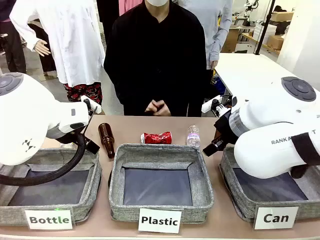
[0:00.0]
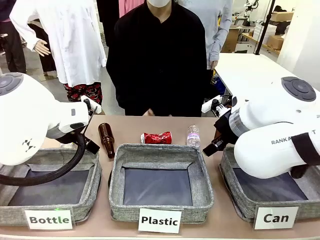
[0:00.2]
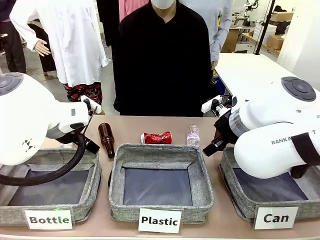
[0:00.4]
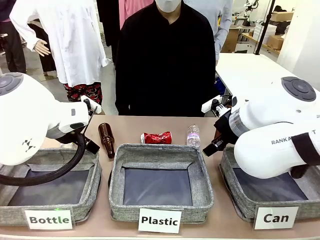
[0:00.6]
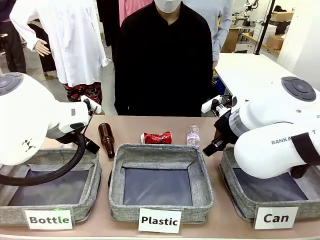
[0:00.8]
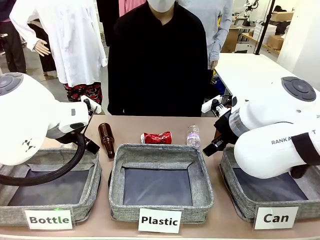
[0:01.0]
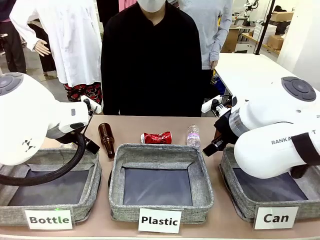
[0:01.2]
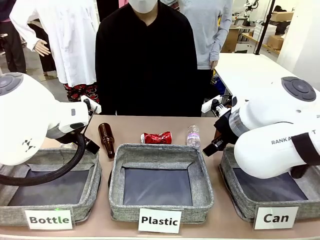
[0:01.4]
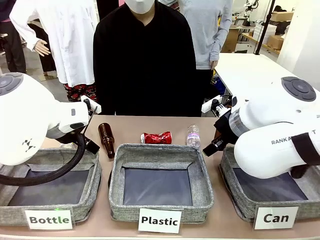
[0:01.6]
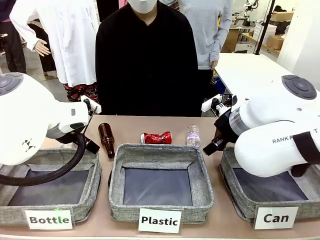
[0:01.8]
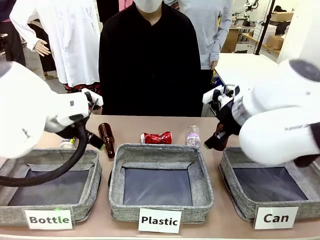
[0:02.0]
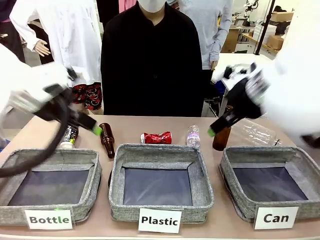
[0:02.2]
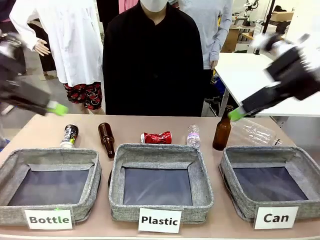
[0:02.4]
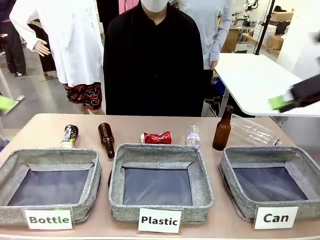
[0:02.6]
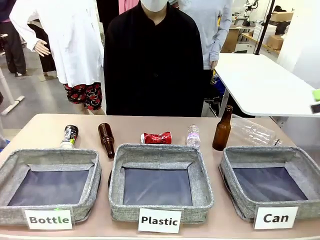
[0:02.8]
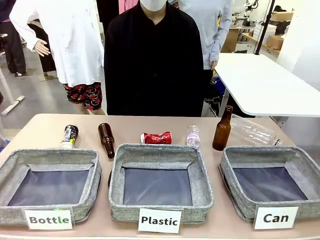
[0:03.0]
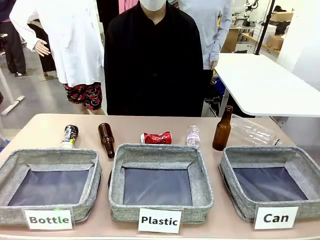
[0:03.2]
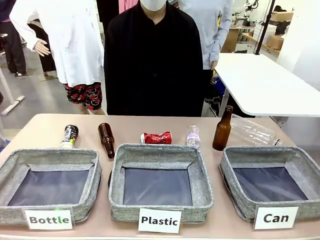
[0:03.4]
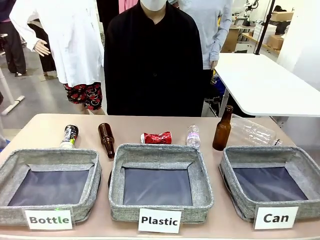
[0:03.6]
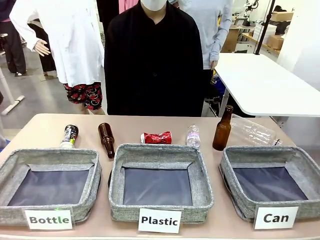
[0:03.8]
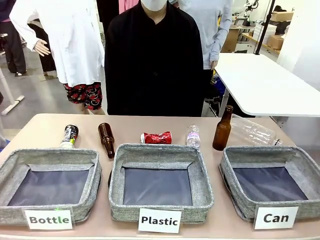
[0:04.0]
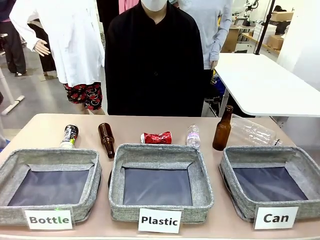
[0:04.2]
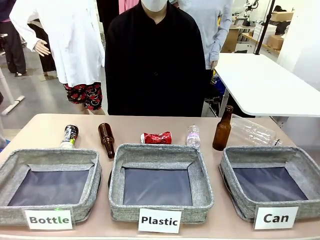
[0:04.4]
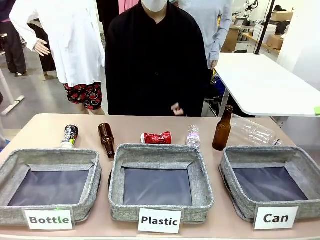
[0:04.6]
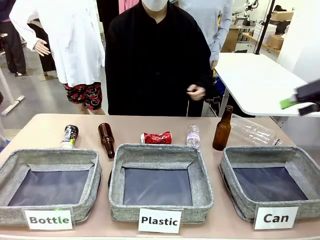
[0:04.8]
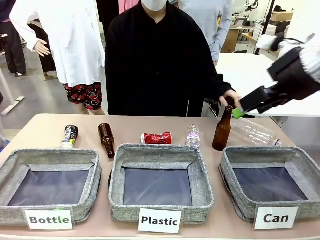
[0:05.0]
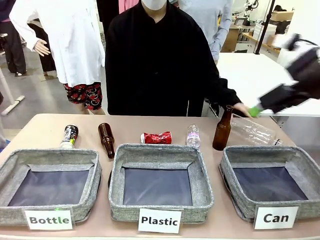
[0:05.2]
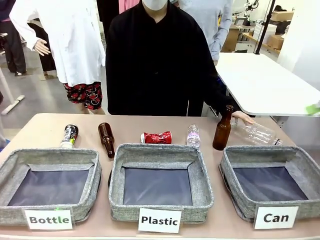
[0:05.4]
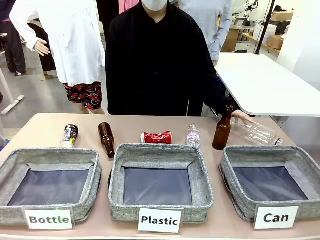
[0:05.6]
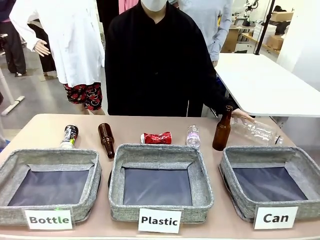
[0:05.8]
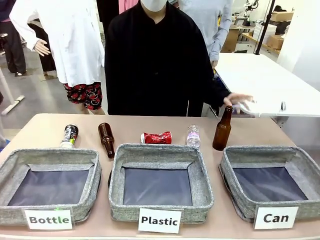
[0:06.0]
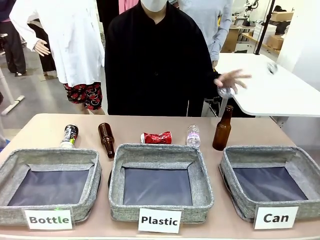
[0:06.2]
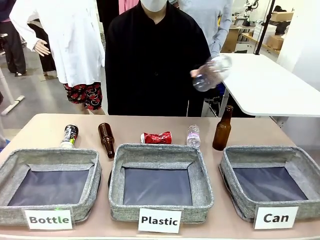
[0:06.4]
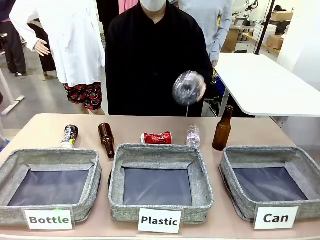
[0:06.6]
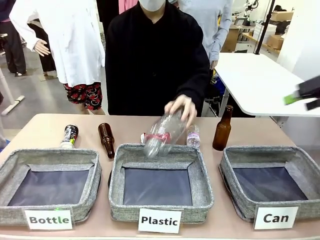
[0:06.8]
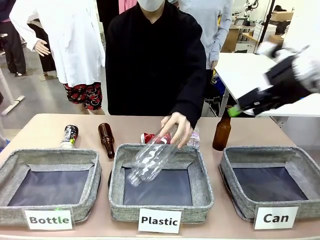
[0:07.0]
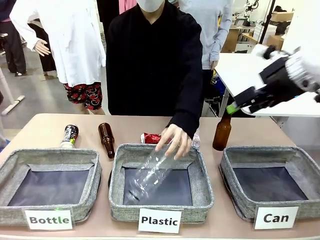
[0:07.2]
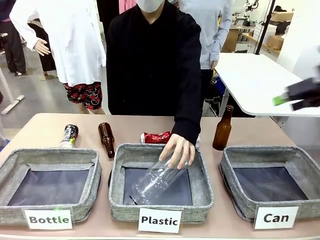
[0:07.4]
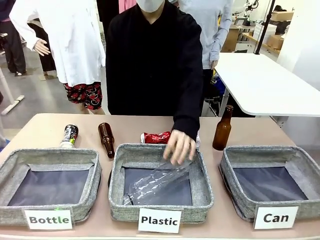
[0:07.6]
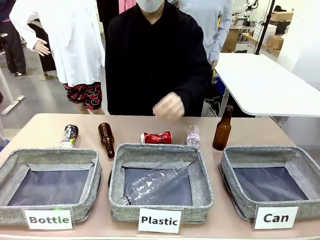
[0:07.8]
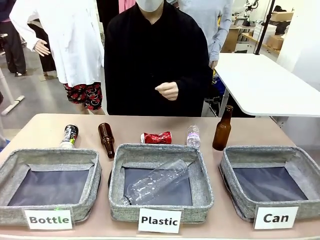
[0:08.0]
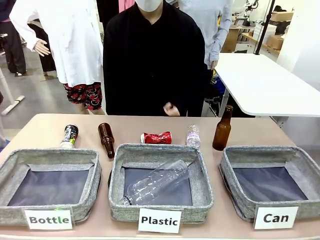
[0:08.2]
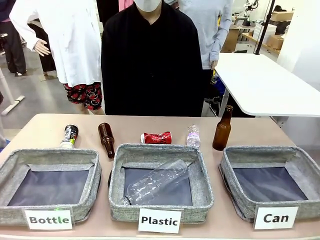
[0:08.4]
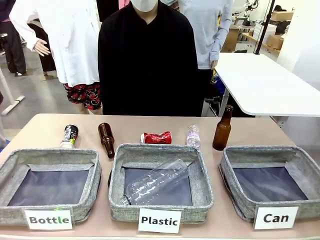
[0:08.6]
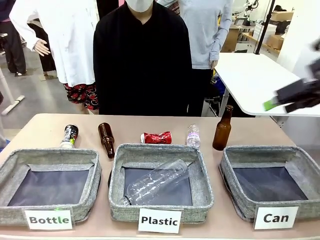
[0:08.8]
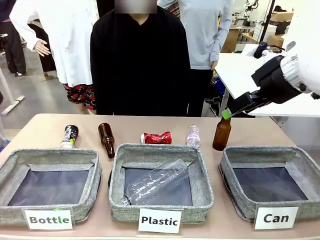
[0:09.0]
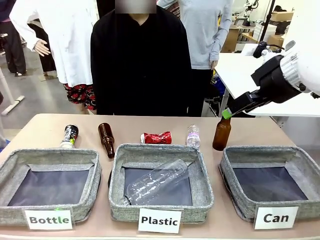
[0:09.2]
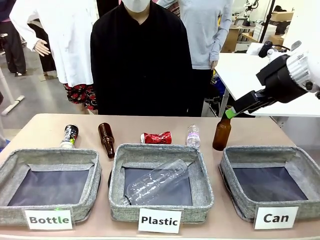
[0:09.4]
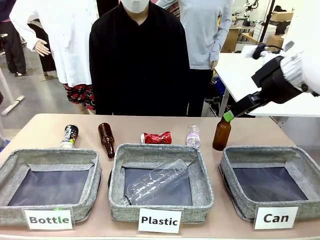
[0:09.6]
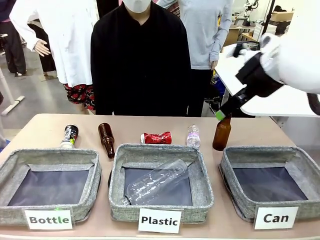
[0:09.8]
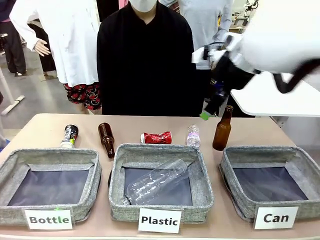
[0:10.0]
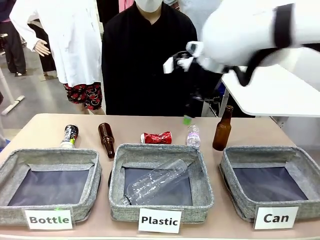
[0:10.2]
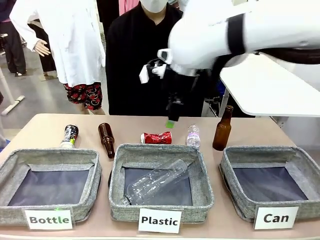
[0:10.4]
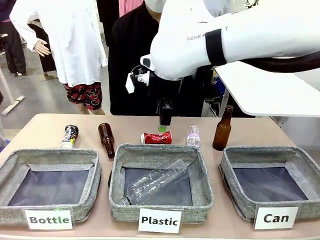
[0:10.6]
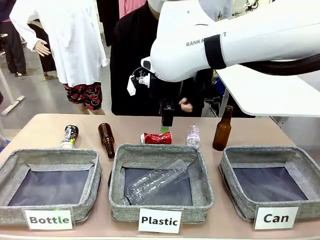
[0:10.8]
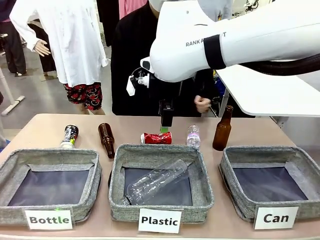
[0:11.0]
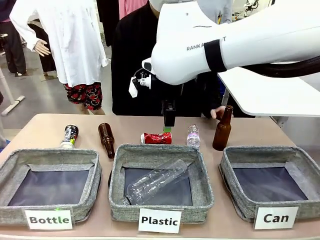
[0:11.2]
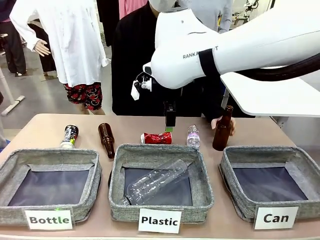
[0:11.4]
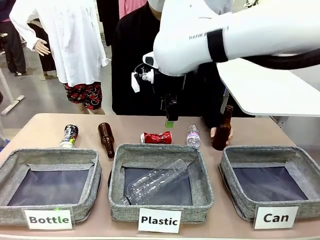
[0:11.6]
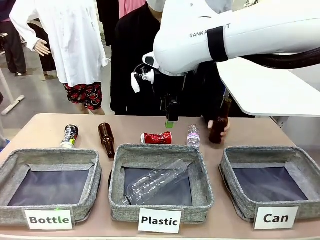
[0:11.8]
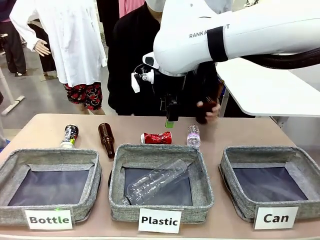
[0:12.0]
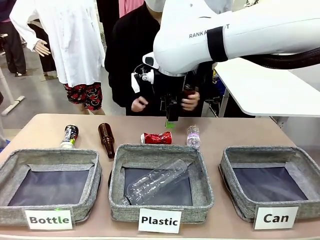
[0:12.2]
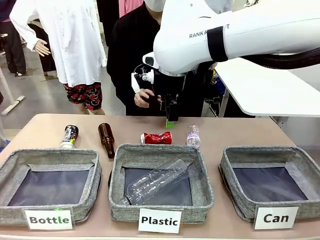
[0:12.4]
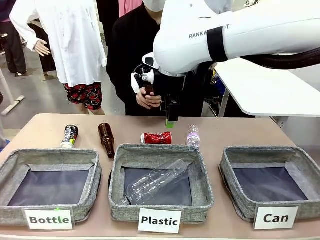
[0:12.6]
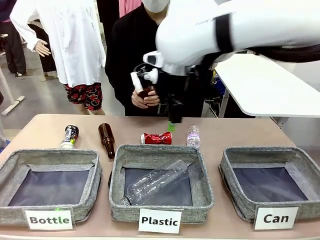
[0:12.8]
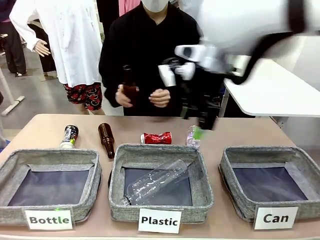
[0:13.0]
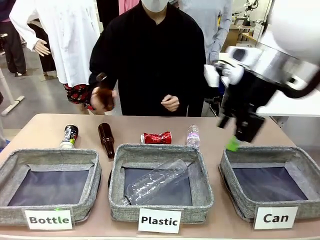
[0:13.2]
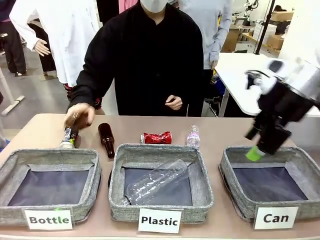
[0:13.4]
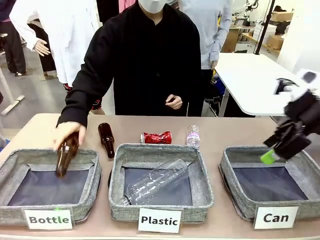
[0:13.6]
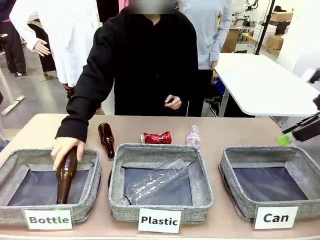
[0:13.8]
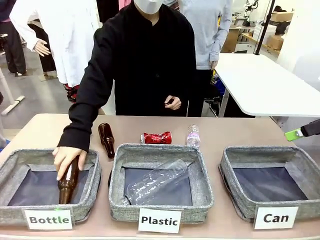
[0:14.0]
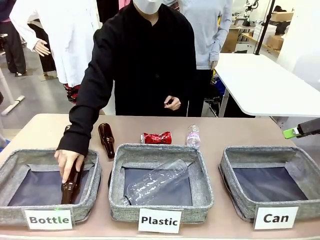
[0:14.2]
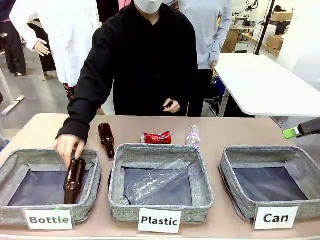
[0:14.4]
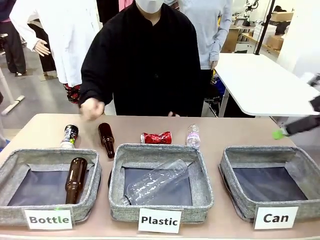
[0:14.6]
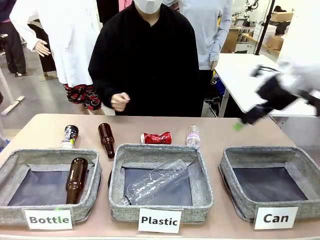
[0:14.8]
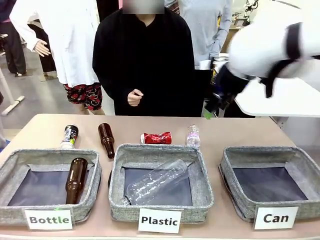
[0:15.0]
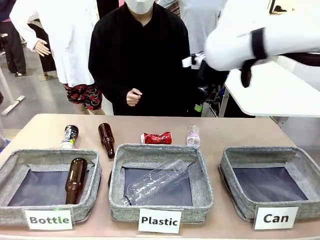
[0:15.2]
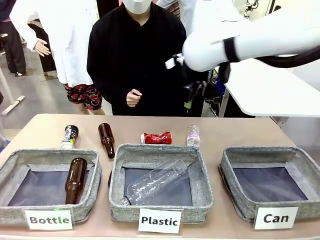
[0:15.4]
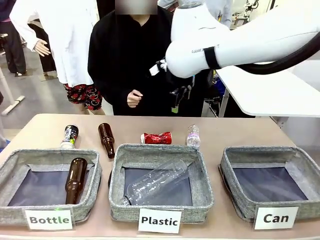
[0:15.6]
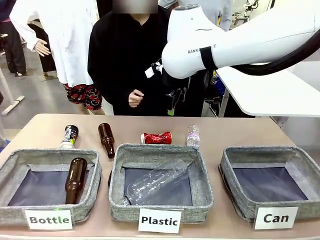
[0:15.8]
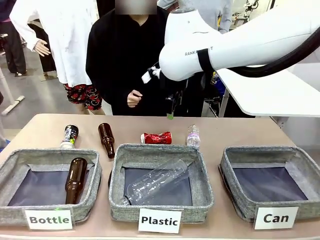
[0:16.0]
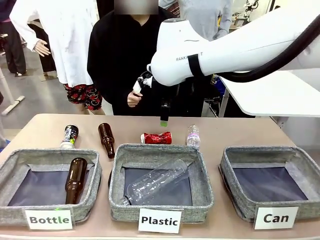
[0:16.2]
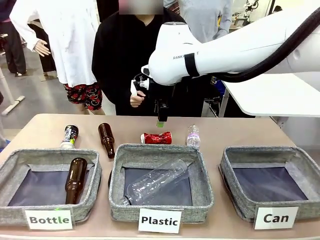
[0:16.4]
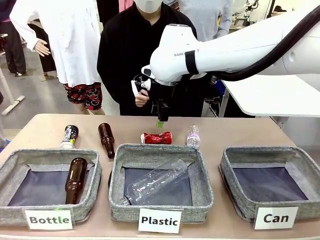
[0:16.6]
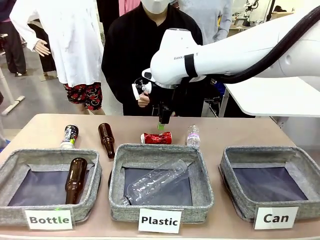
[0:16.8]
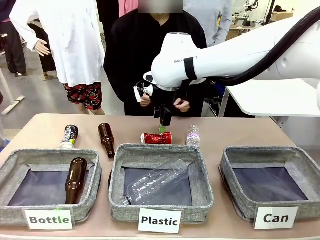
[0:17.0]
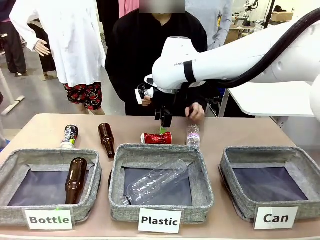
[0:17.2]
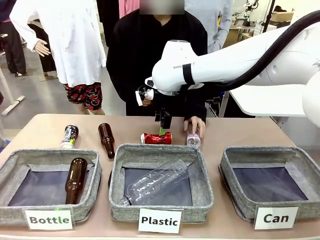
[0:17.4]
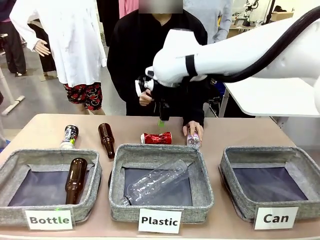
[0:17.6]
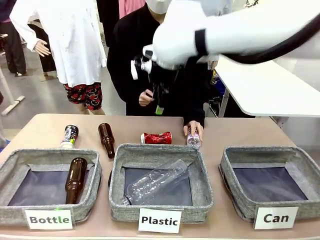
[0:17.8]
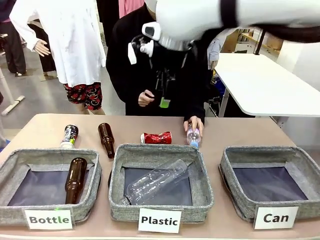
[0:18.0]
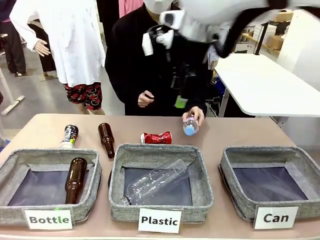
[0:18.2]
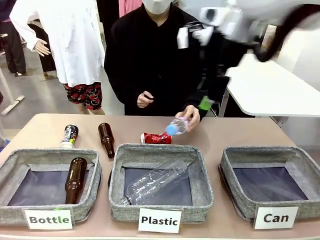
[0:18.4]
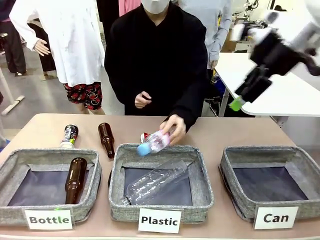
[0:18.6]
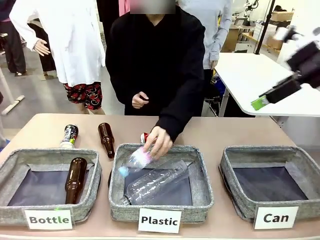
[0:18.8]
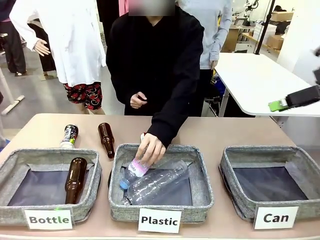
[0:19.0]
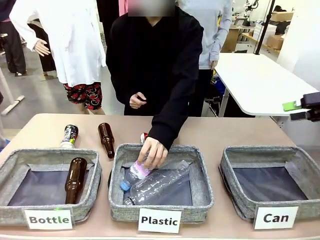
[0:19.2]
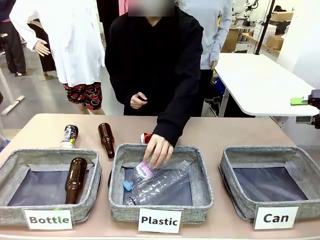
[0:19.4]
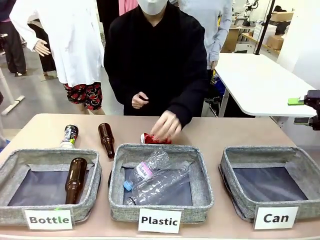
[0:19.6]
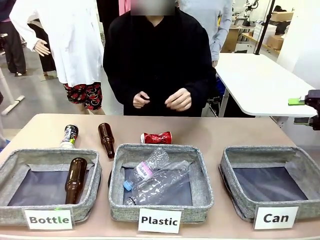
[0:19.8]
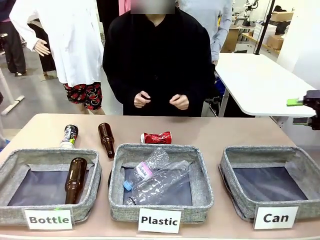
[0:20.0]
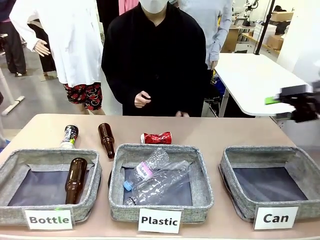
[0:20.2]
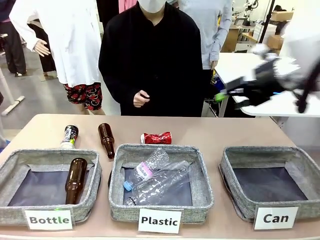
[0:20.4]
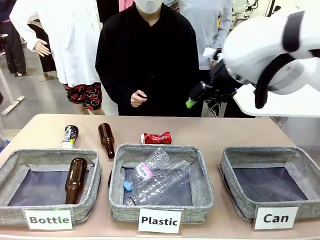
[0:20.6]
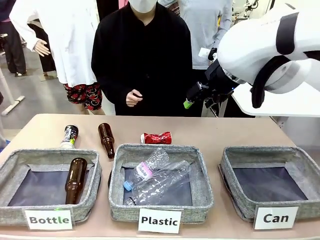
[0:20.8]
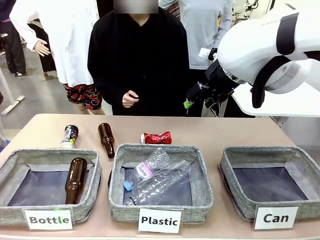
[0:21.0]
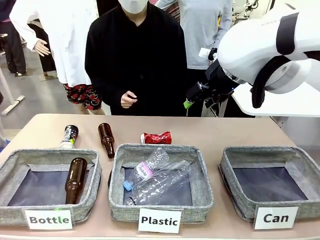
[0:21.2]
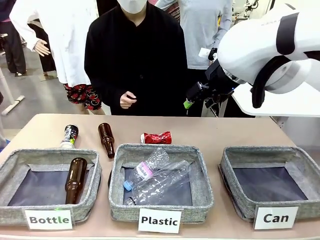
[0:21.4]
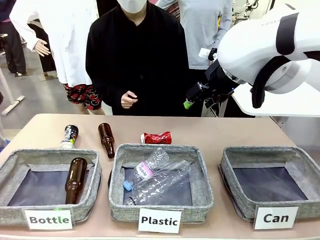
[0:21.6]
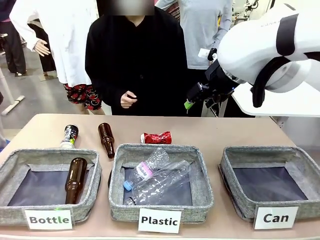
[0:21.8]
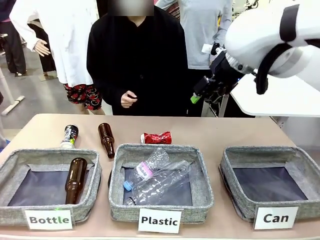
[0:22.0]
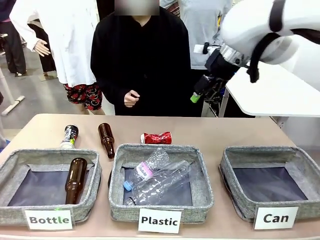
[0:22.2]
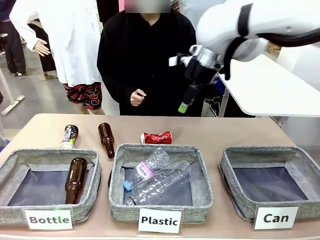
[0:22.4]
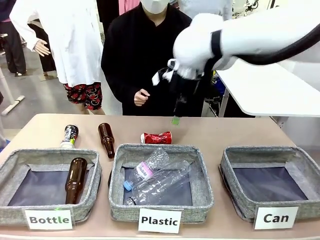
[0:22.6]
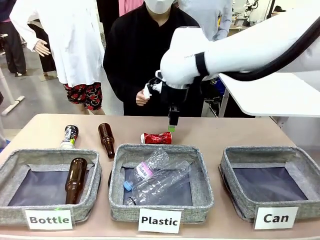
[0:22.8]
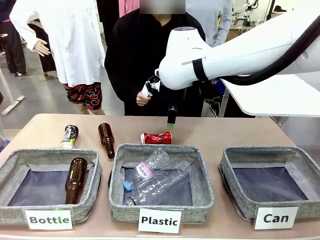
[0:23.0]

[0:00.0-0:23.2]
Task: Sort the can waste into the basket.
Robot: Pick up the can waste from the table and place it in the right Fabric basket.
